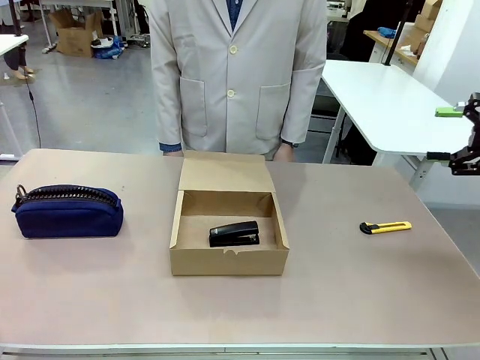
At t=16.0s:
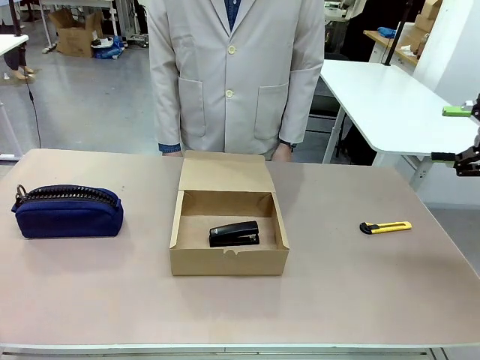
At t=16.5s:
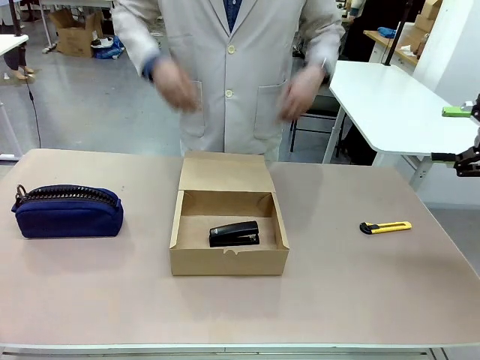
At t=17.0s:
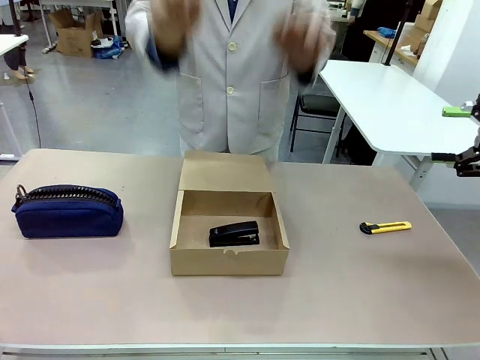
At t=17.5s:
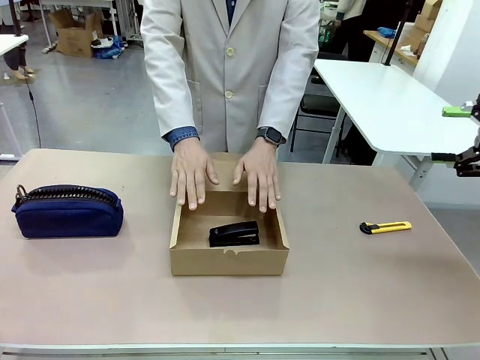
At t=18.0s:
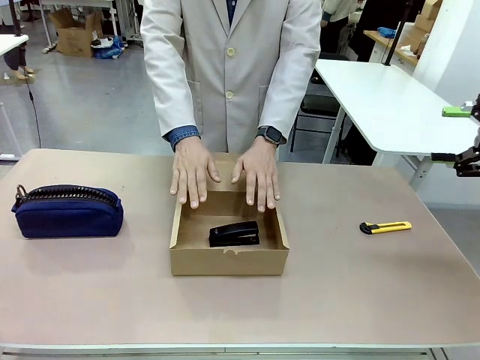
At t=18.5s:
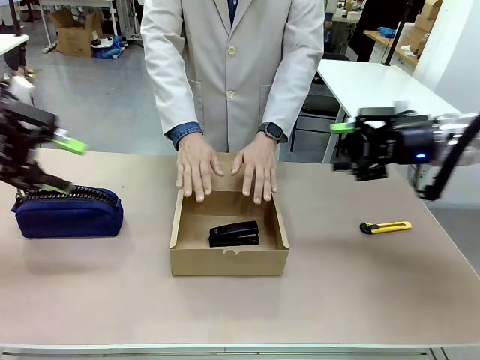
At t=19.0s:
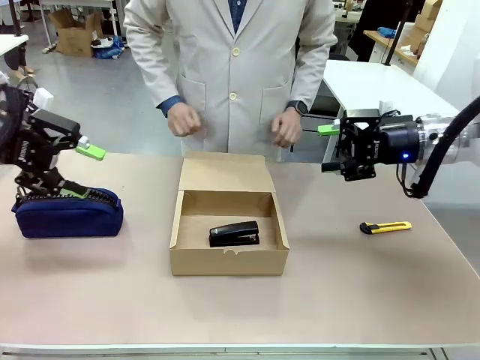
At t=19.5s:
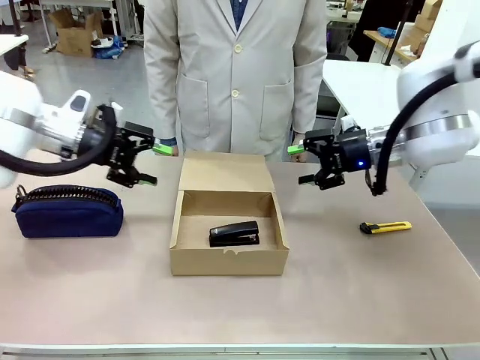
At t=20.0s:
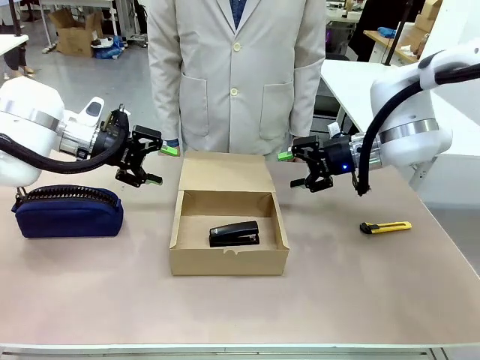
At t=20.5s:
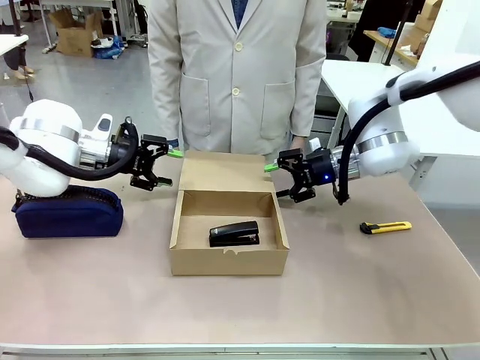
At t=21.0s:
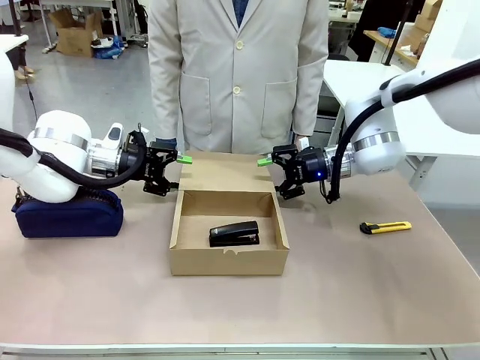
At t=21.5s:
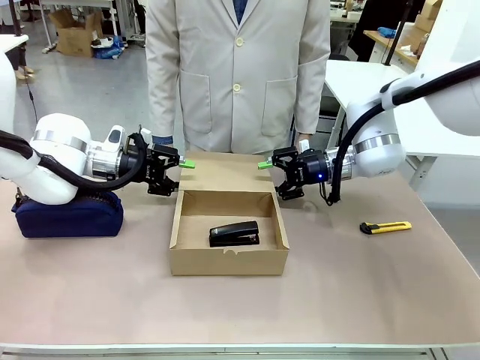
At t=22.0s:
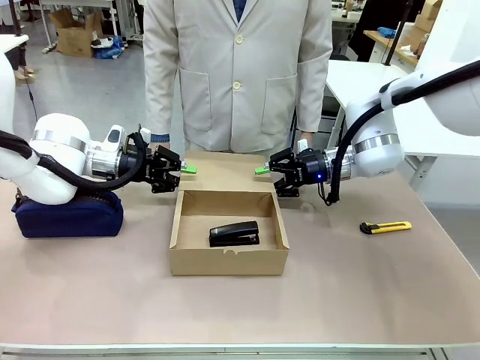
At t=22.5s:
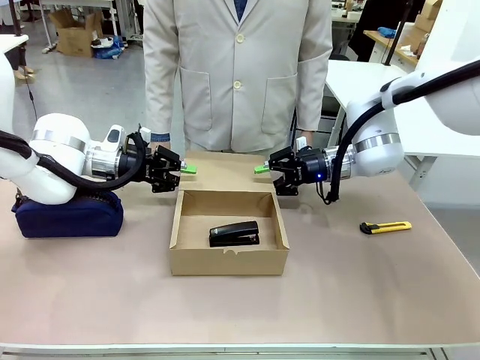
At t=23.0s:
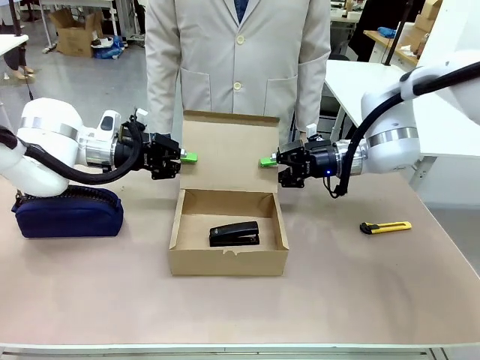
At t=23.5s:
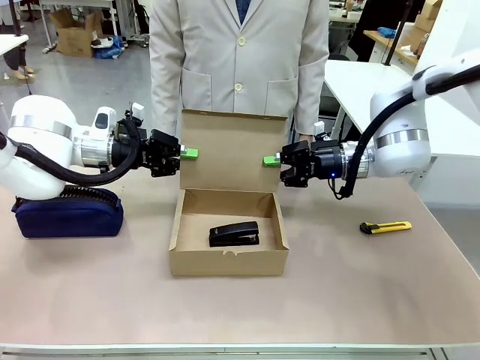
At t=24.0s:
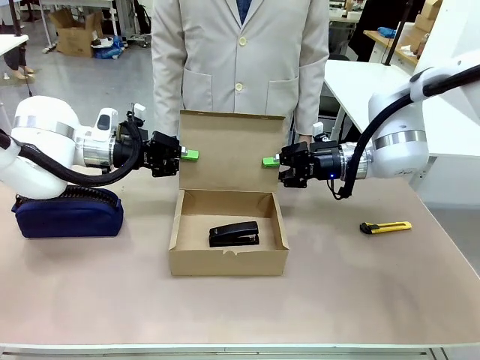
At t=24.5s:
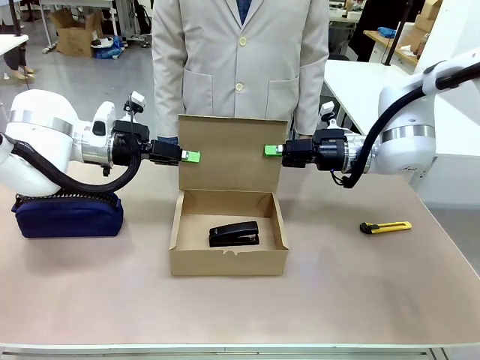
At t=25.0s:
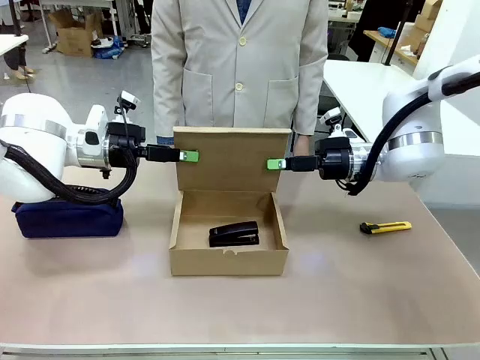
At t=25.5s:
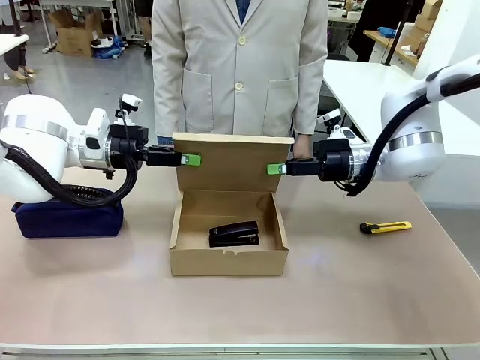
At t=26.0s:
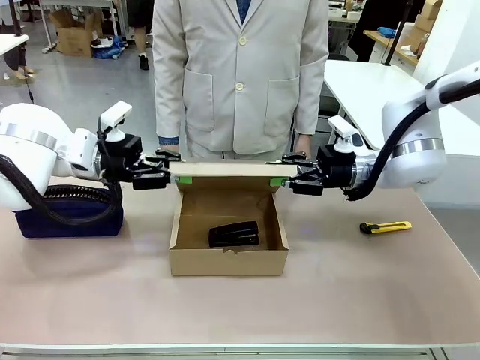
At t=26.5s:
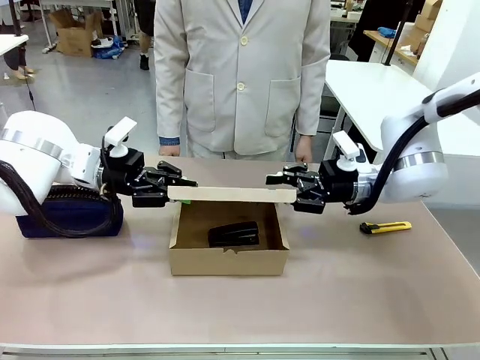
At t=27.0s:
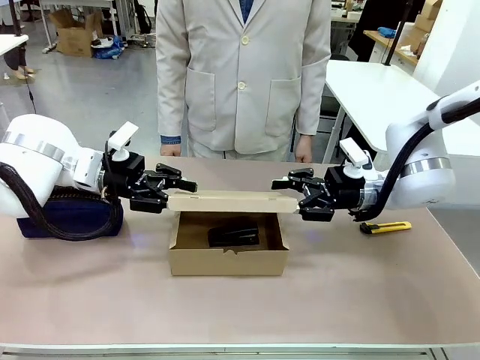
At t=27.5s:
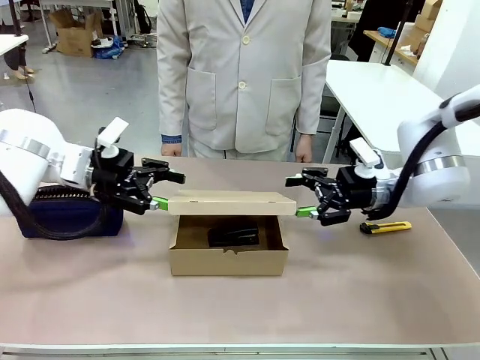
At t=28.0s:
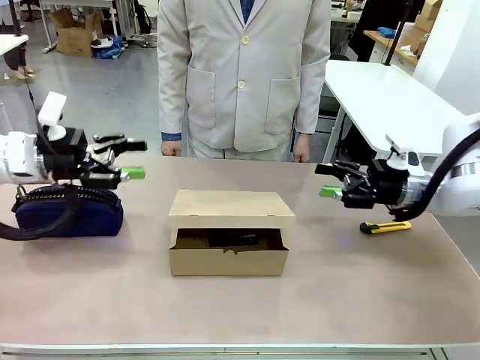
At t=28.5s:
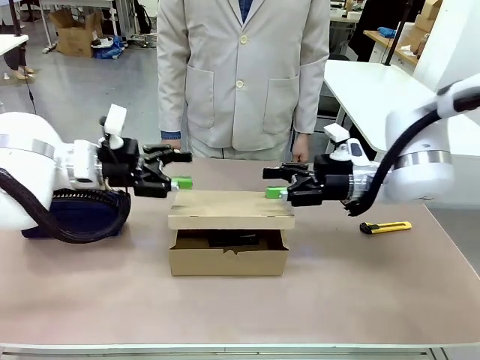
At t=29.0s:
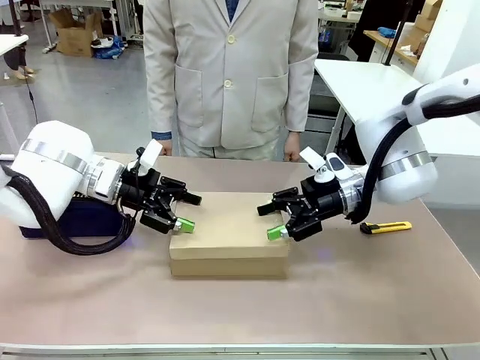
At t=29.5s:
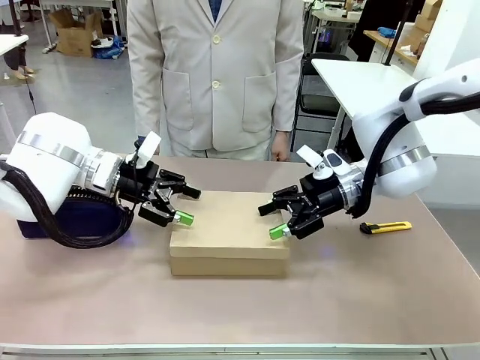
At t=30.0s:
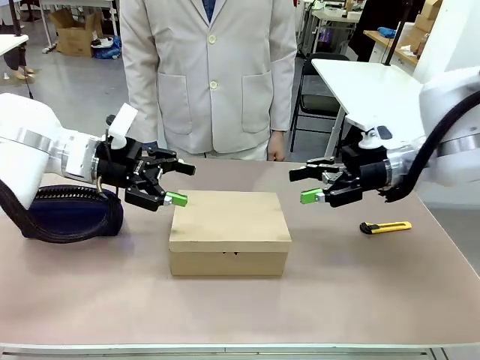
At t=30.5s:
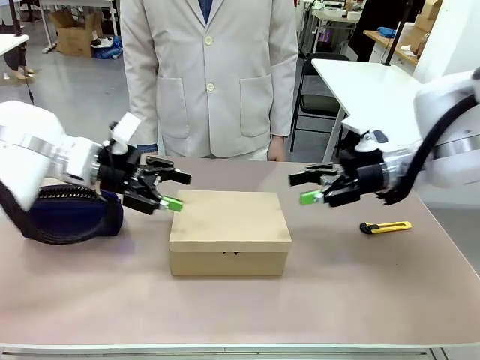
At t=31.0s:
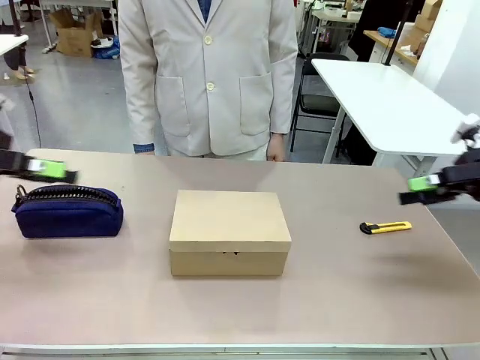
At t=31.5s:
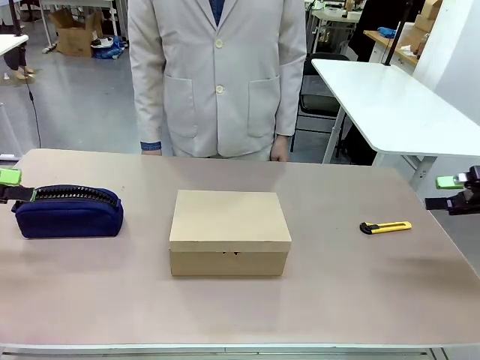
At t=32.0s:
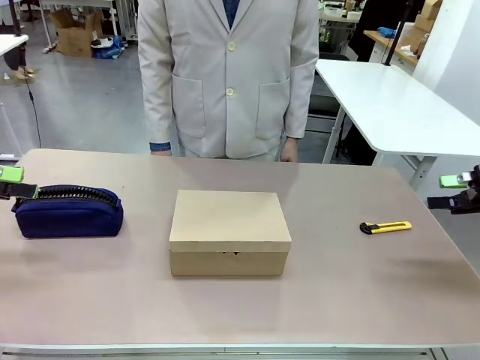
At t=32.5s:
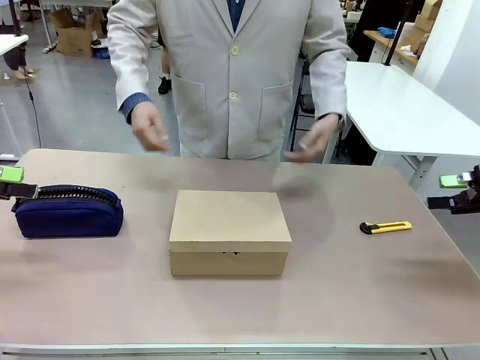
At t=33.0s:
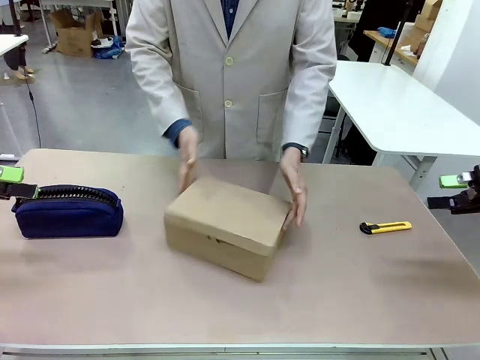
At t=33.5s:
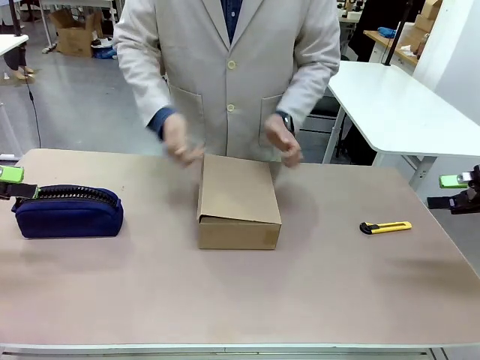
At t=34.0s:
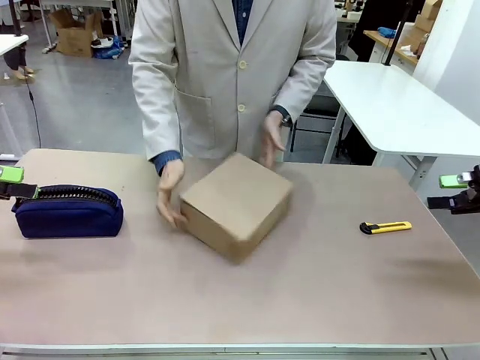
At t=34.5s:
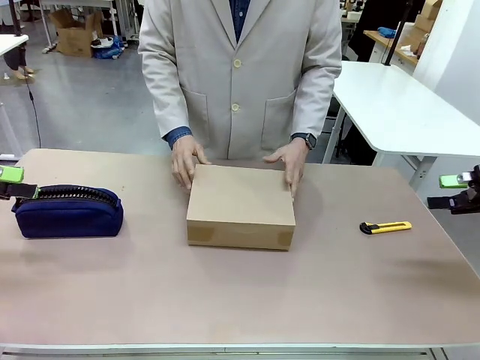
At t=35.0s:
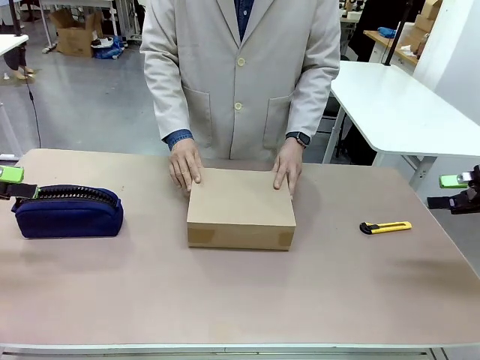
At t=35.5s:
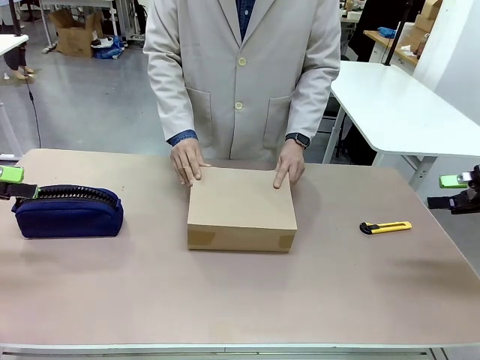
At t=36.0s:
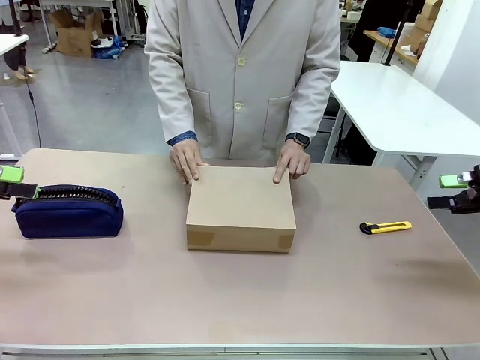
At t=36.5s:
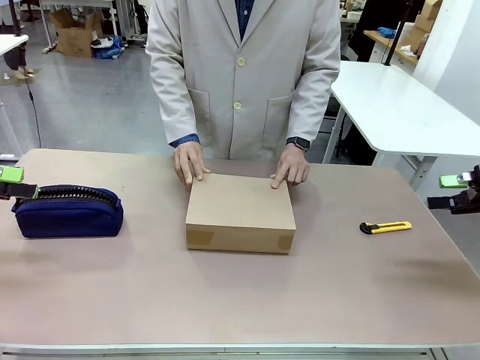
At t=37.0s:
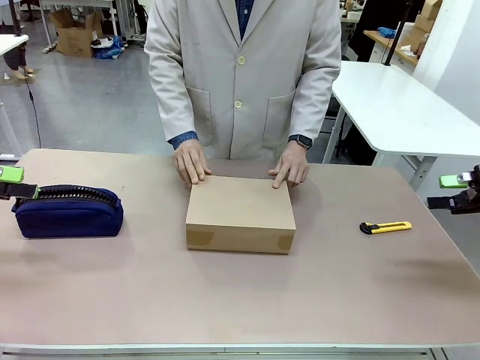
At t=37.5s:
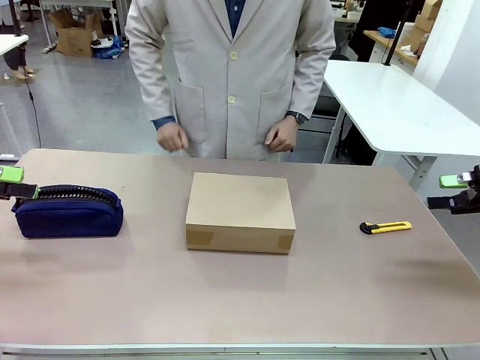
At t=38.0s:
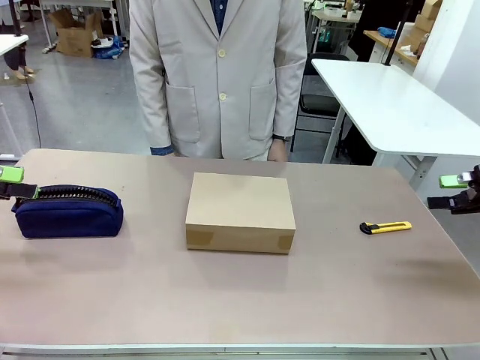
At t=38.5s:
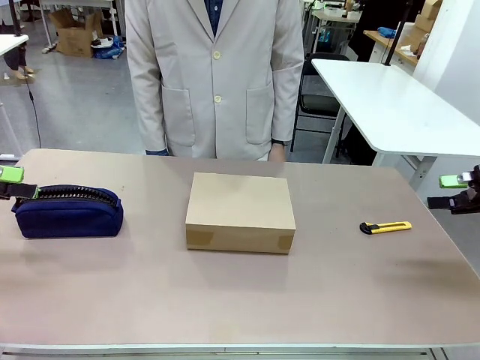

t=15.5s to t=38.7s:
Task: Pack the item into the box.
Robot: Close the Mailer Box.
Person: Lower both hands vertically with palms facing downward, as if pressing something closed. Turn the box and lock it.
